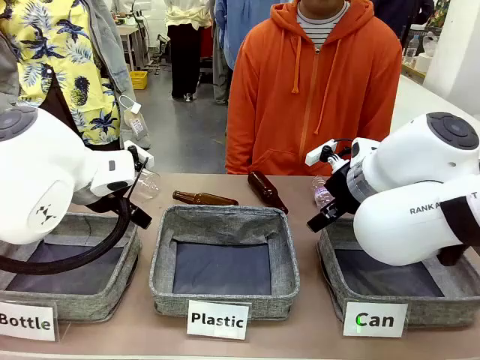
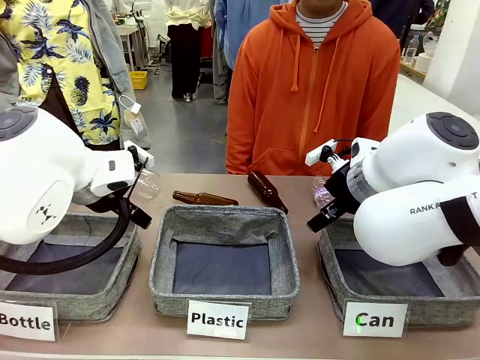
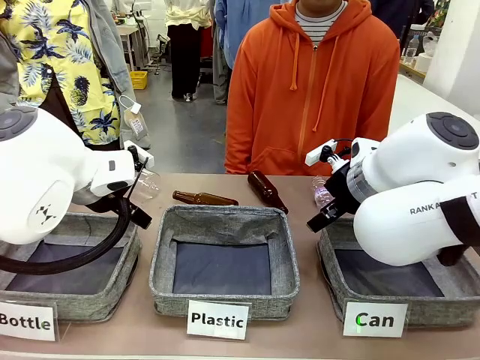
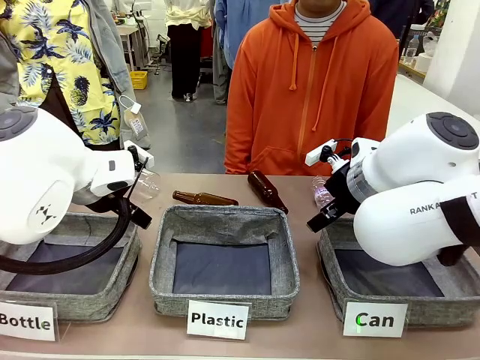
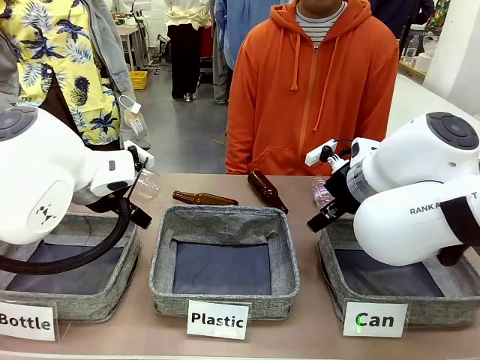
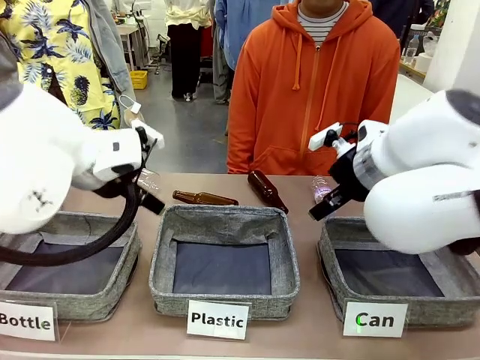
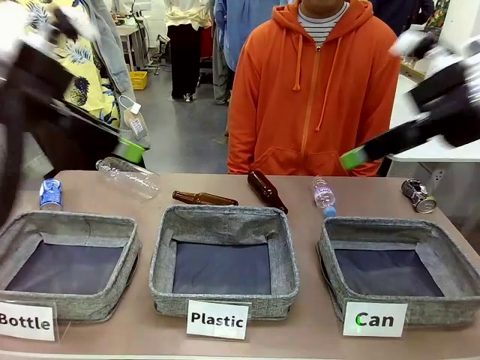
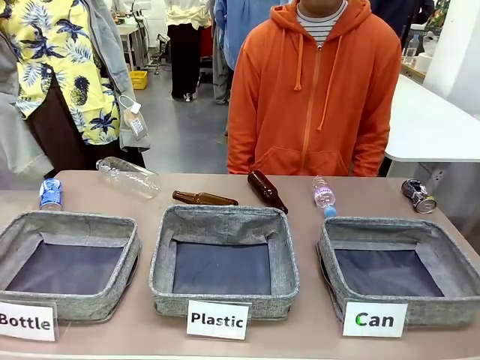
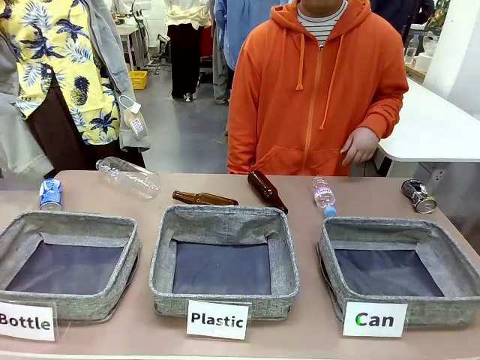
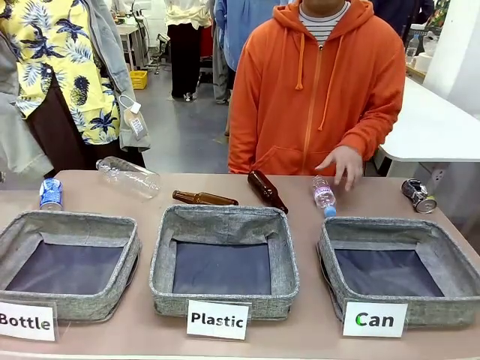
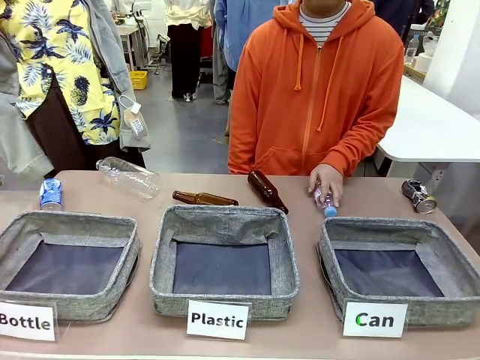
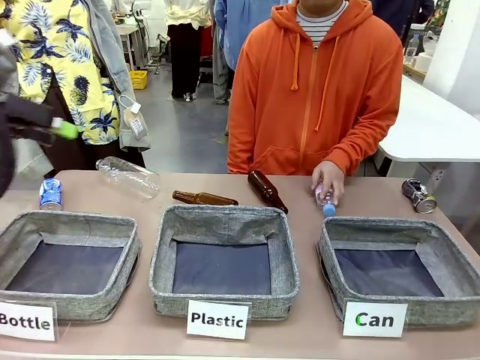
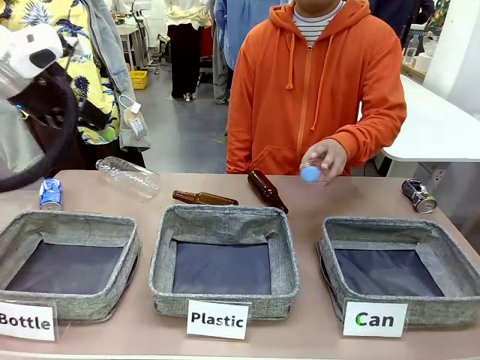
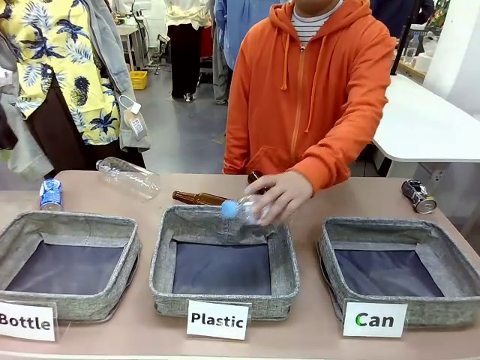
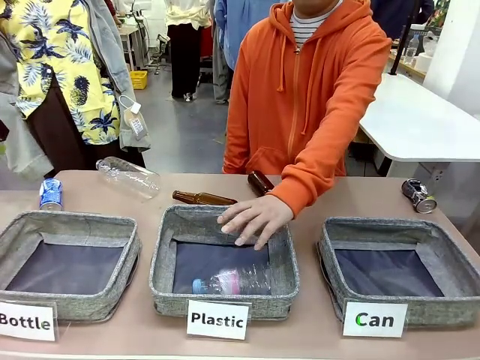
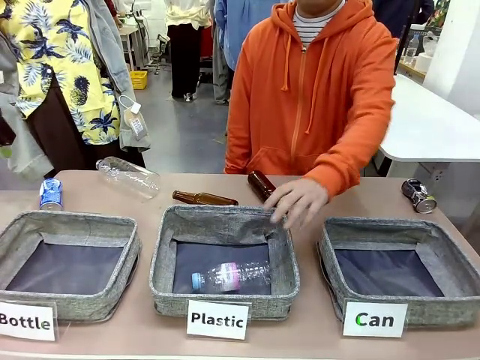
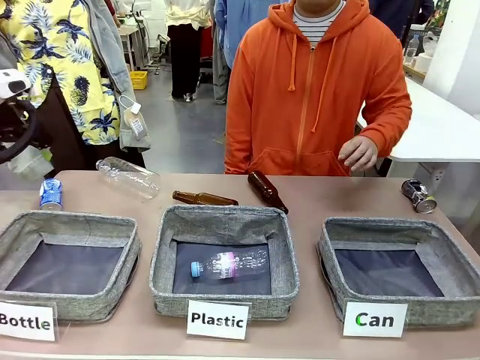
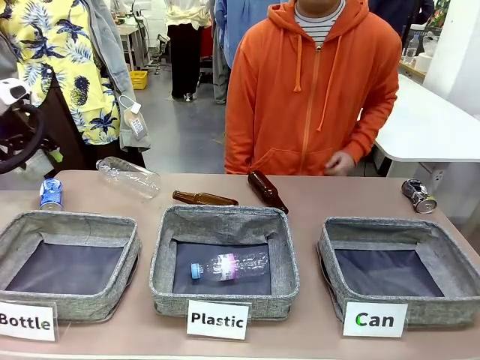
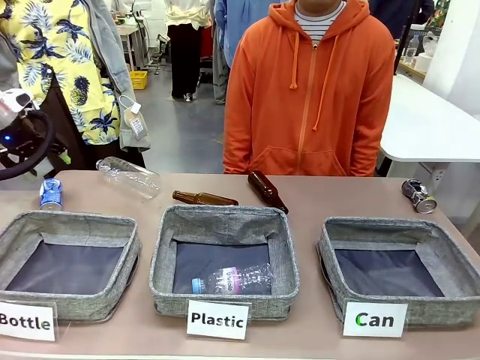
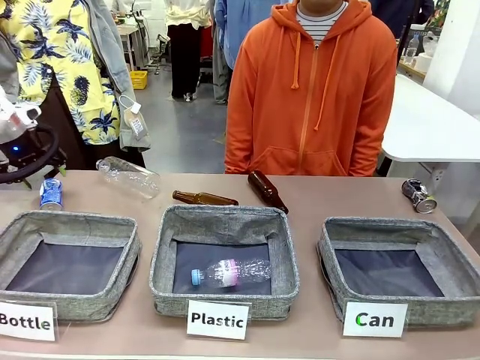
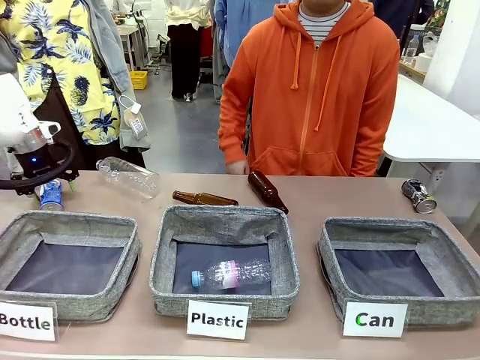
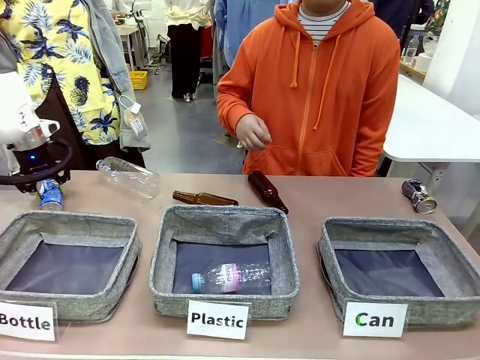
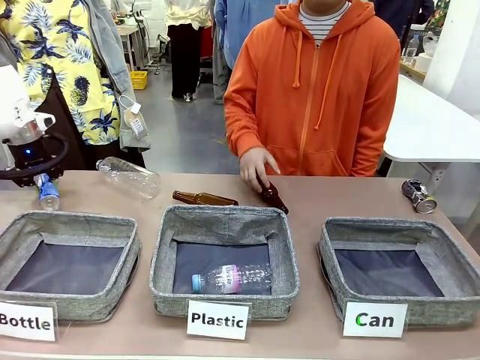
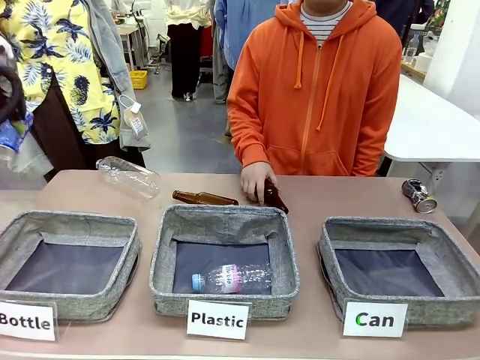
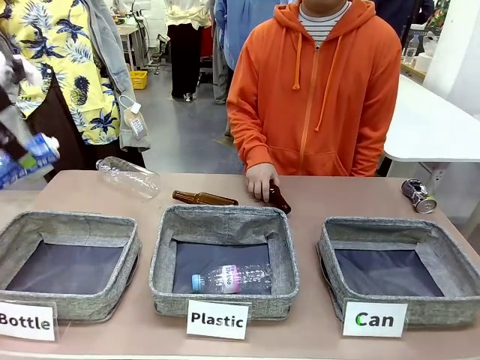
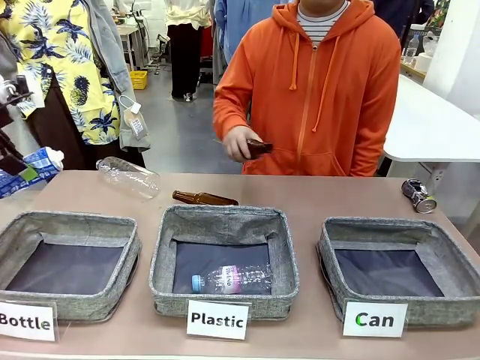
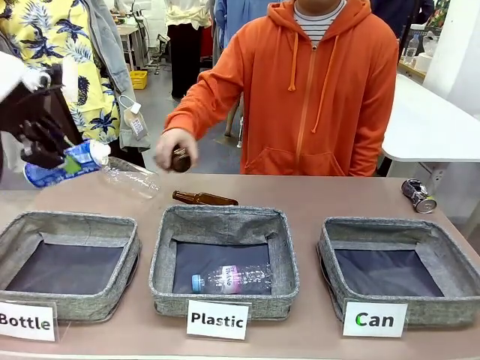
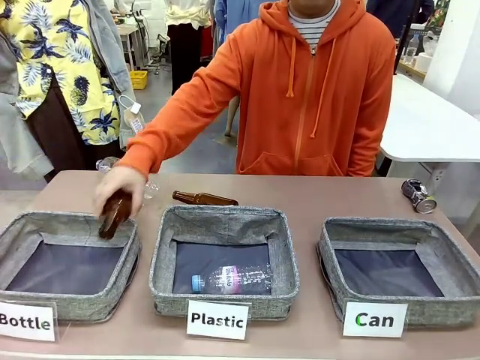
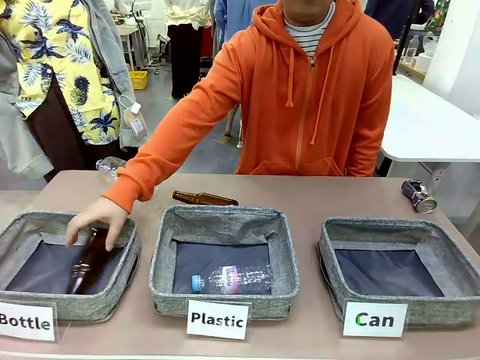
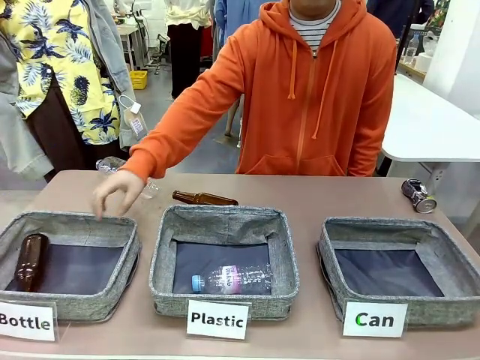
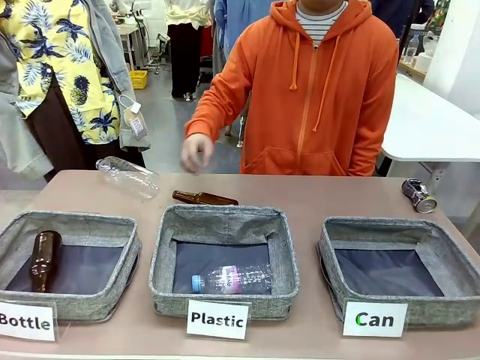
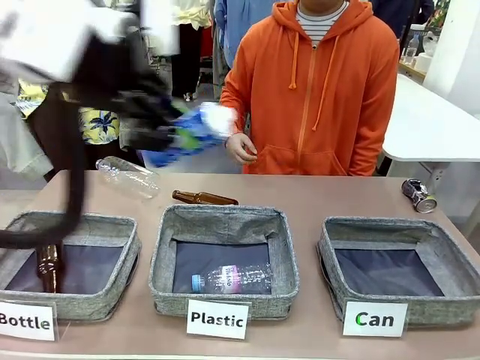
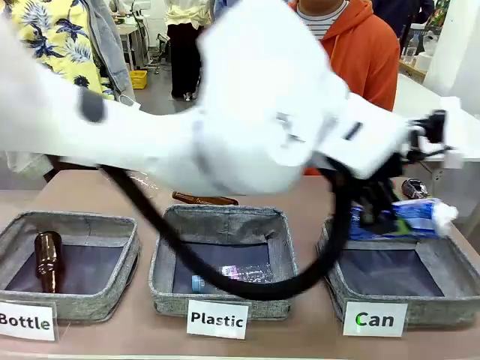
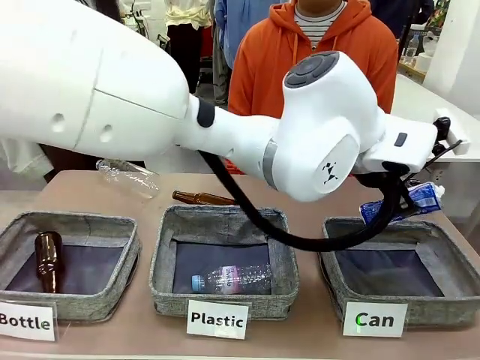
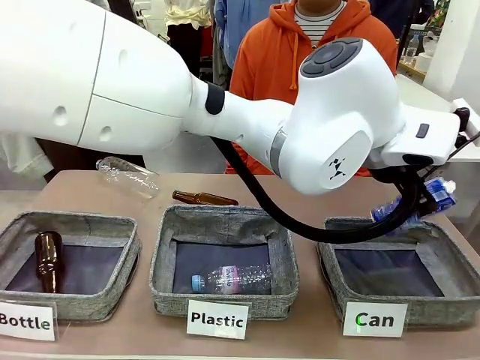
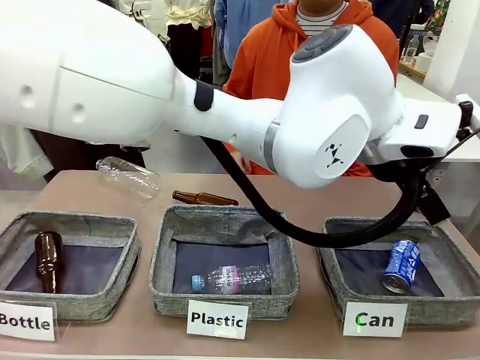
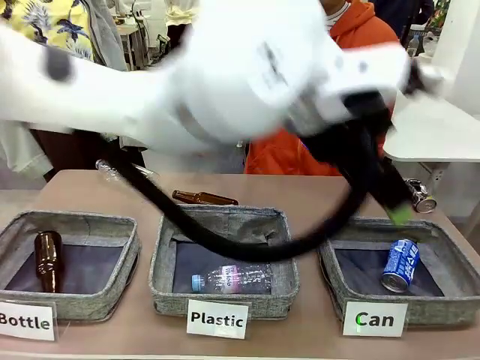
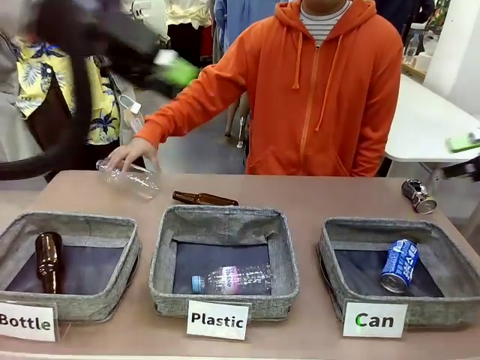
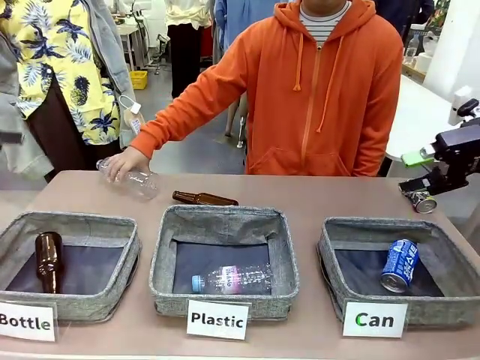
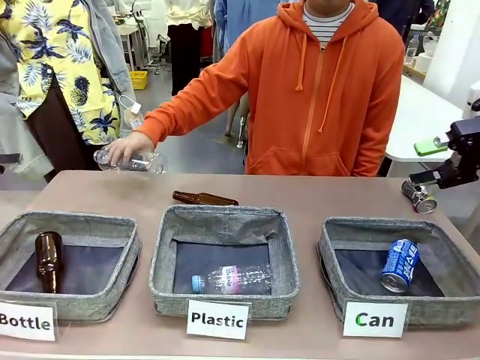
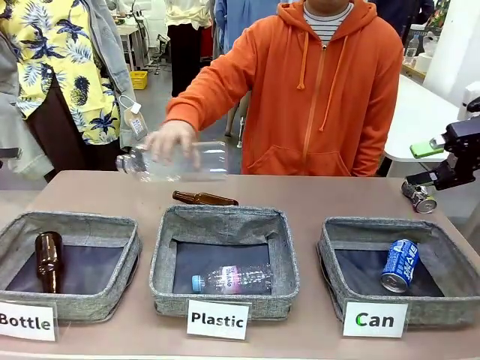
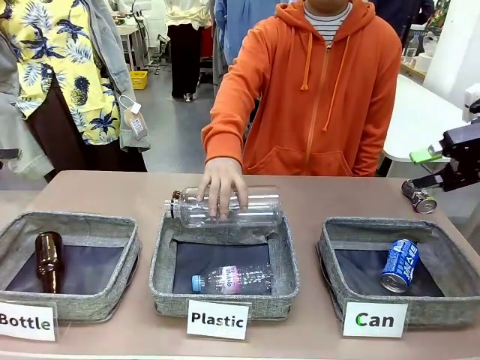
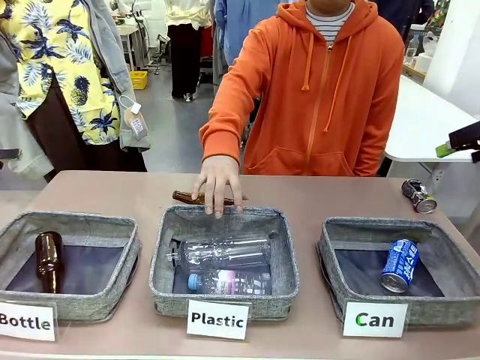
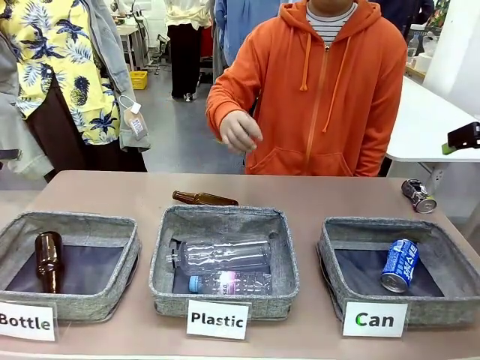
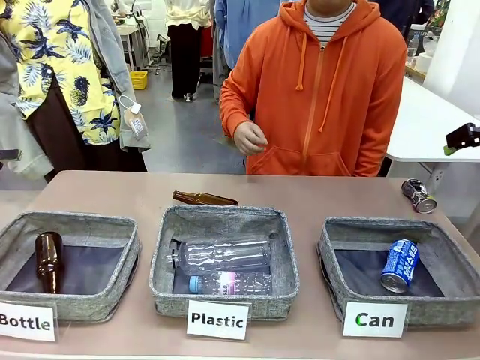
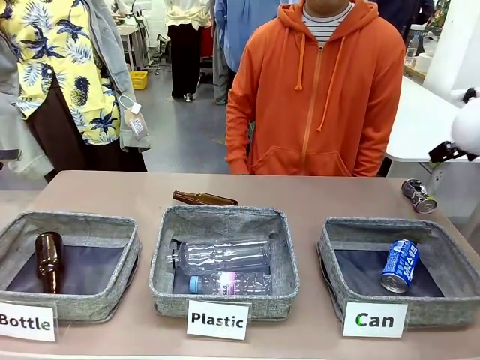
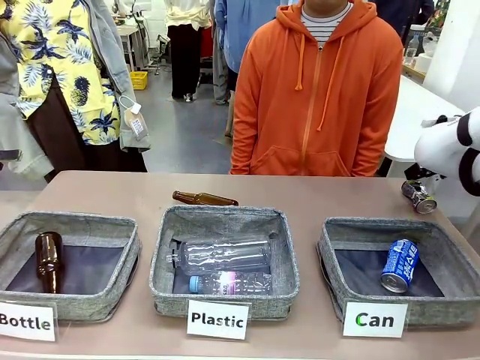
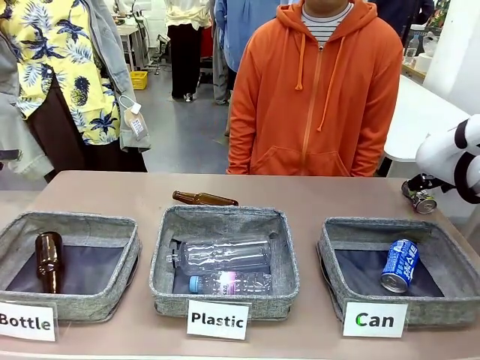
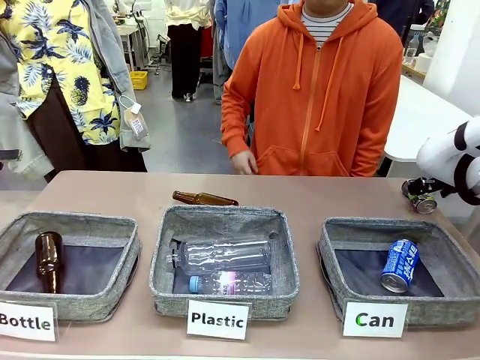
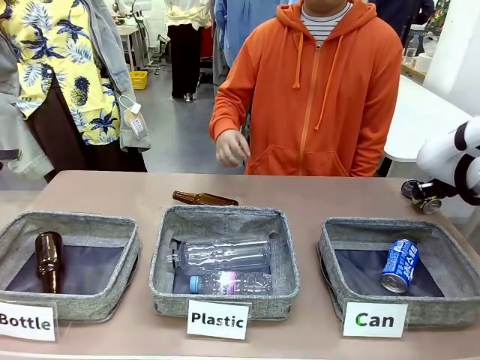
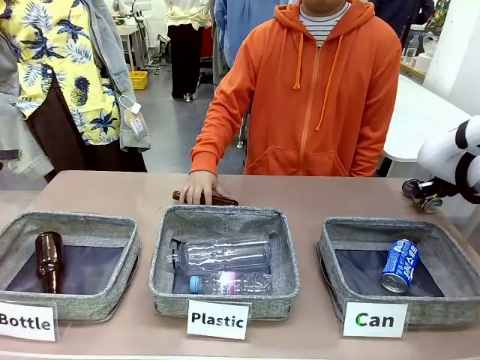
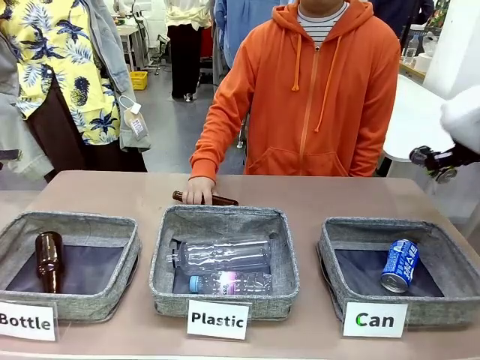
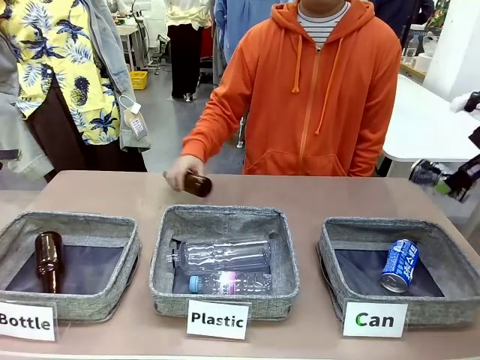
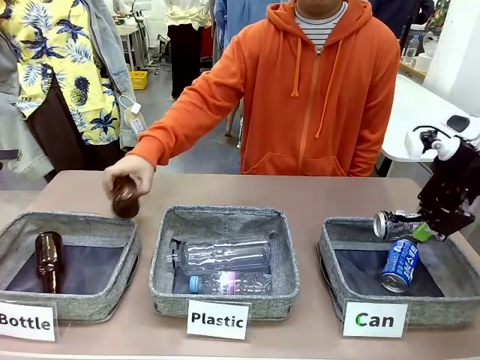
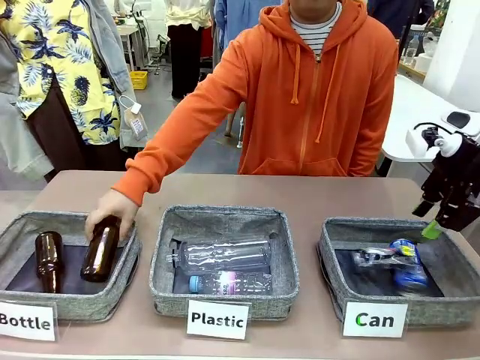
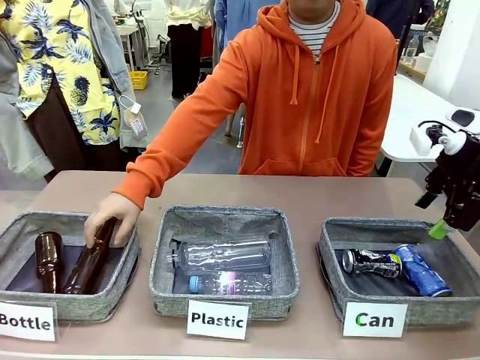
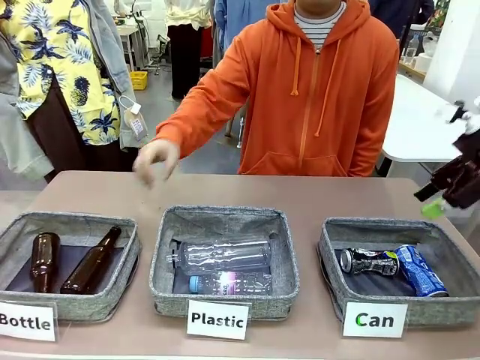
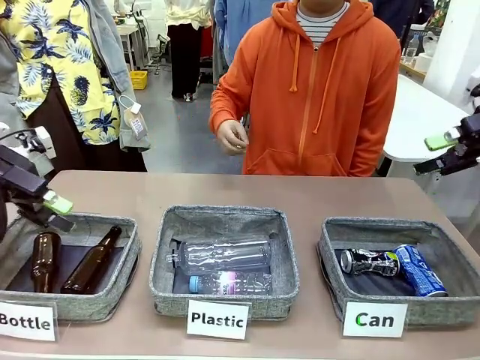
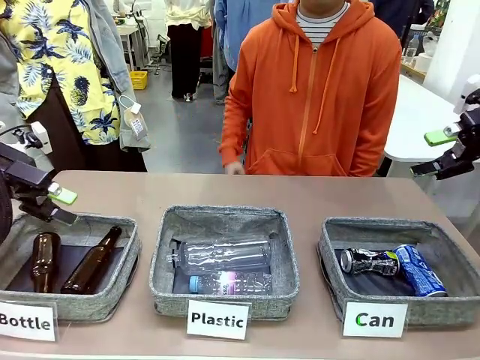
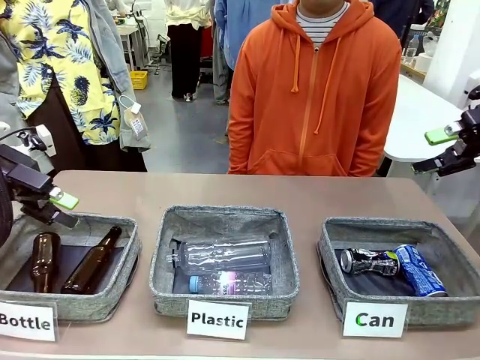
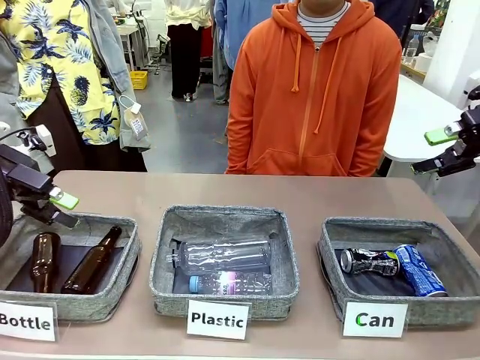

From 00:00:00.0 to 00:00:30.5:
Task: Sort the can waste into the basket.
Robot: Pick up the can waste from the table and place it in the right Fabric basket.
Person: The human picks up one piece of trash that is not a can and places the trash into the appropriate organizing basket.
